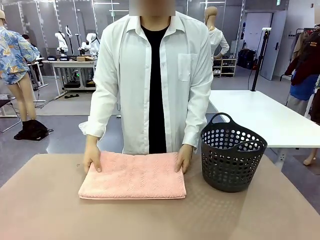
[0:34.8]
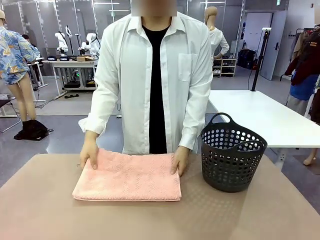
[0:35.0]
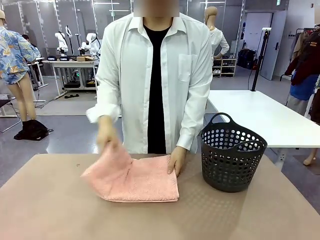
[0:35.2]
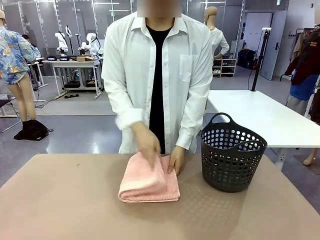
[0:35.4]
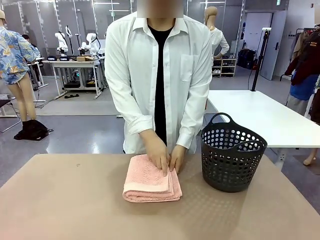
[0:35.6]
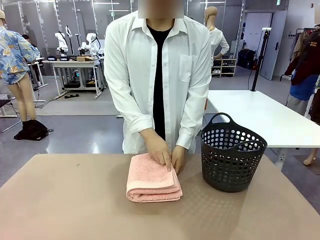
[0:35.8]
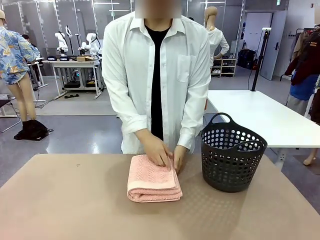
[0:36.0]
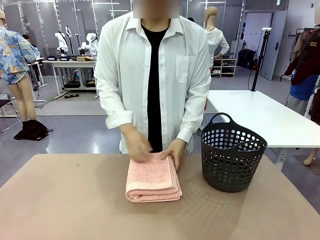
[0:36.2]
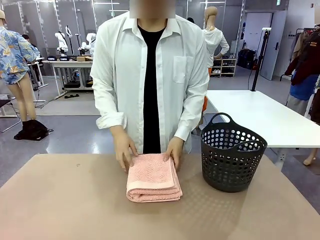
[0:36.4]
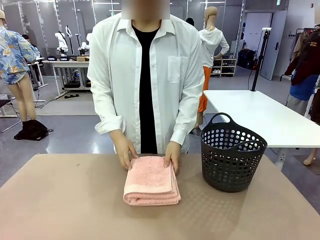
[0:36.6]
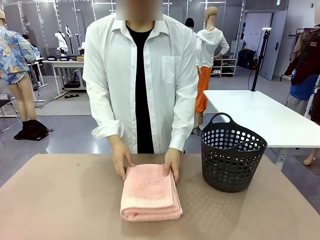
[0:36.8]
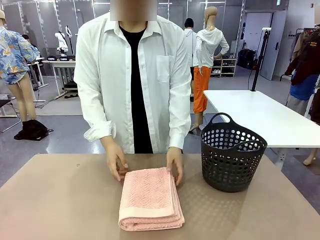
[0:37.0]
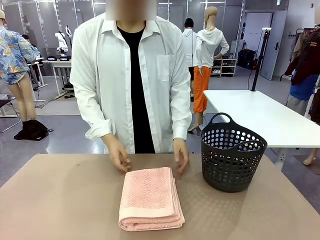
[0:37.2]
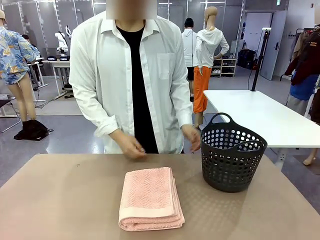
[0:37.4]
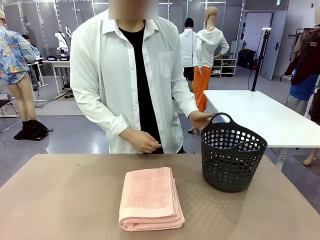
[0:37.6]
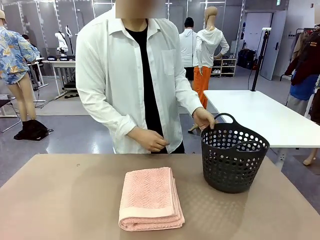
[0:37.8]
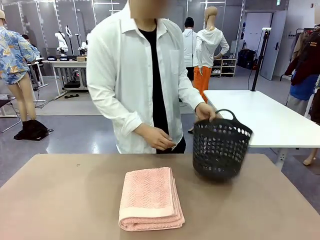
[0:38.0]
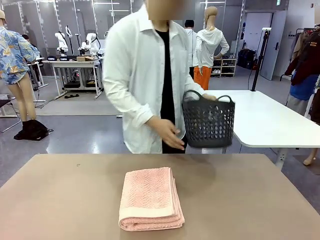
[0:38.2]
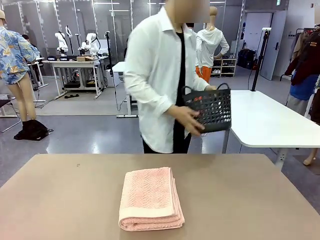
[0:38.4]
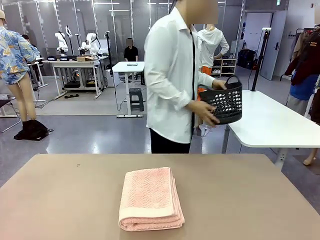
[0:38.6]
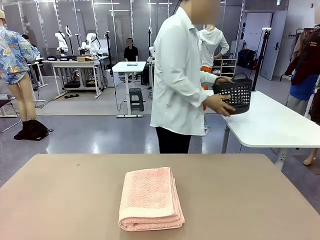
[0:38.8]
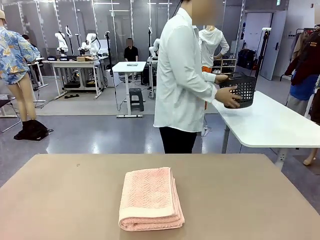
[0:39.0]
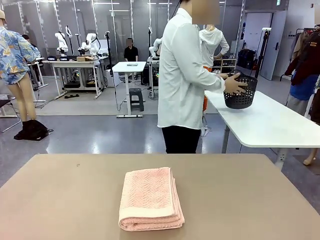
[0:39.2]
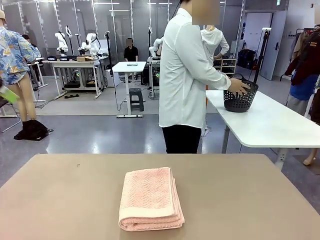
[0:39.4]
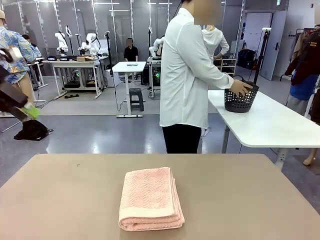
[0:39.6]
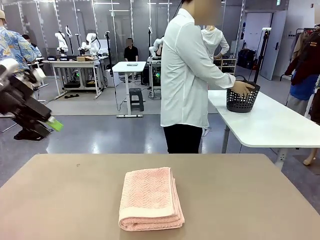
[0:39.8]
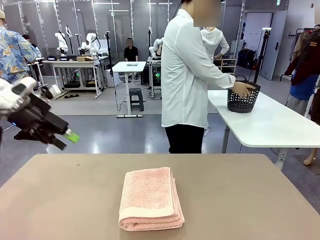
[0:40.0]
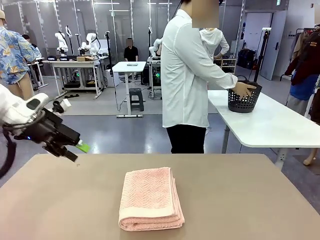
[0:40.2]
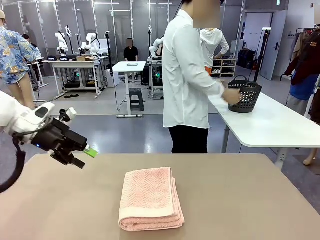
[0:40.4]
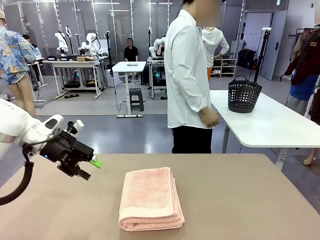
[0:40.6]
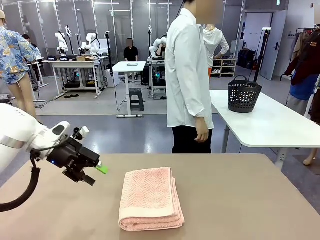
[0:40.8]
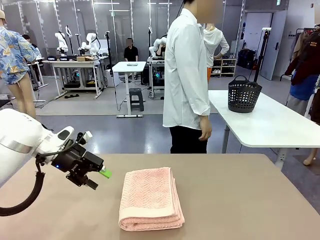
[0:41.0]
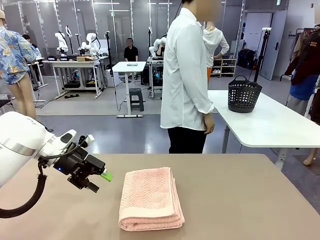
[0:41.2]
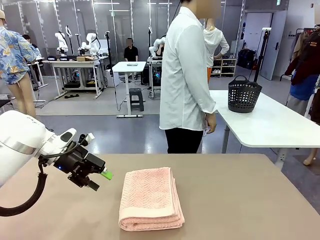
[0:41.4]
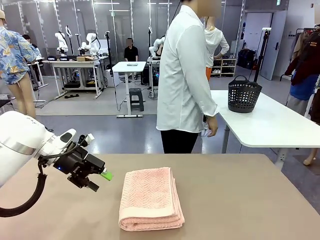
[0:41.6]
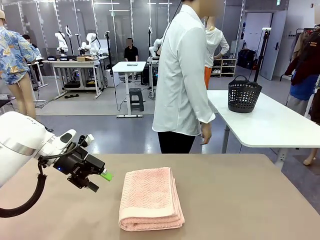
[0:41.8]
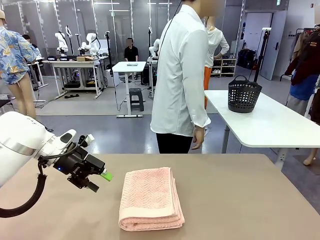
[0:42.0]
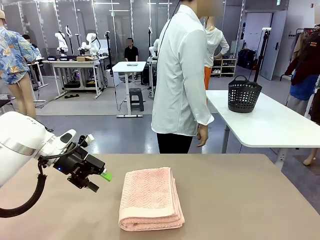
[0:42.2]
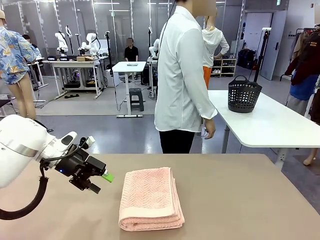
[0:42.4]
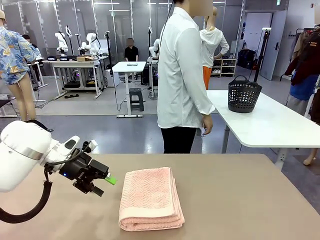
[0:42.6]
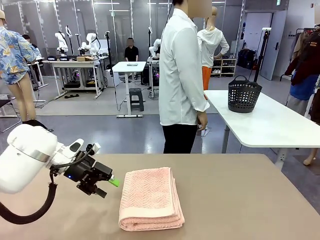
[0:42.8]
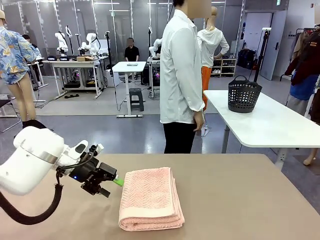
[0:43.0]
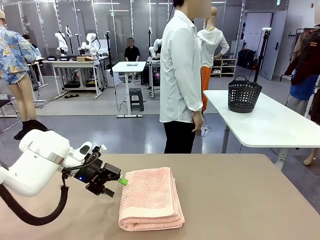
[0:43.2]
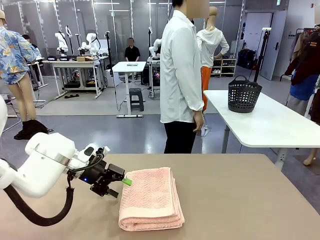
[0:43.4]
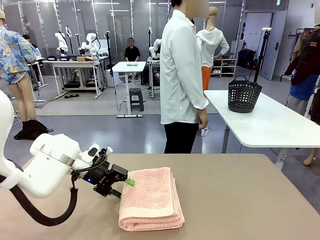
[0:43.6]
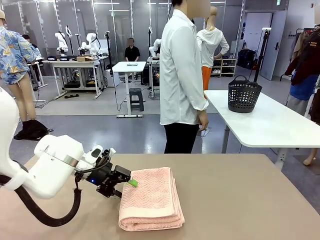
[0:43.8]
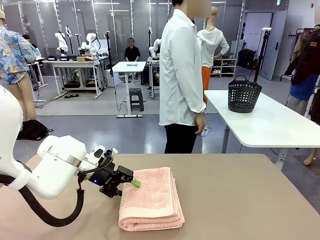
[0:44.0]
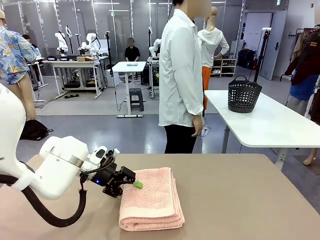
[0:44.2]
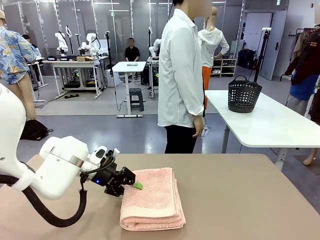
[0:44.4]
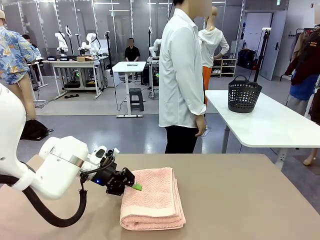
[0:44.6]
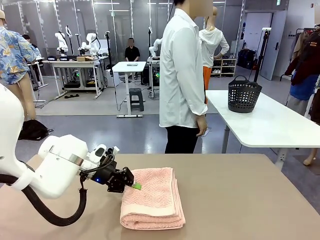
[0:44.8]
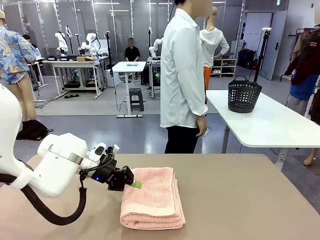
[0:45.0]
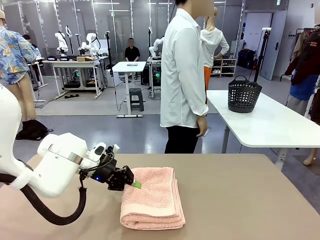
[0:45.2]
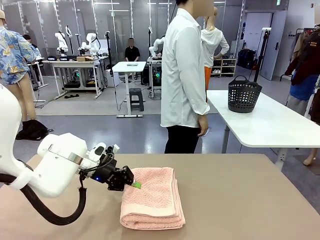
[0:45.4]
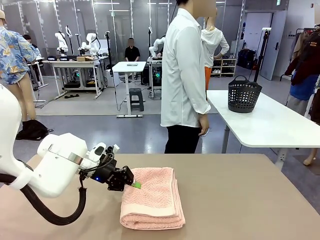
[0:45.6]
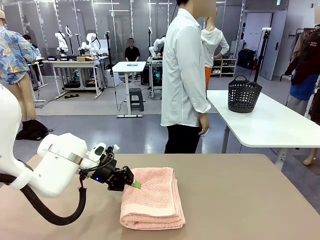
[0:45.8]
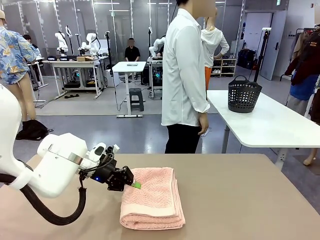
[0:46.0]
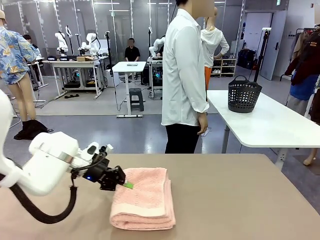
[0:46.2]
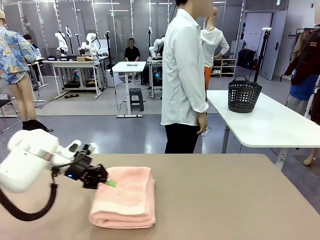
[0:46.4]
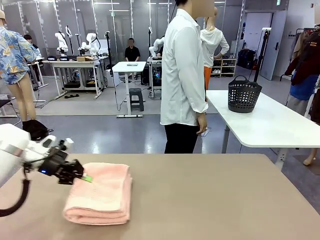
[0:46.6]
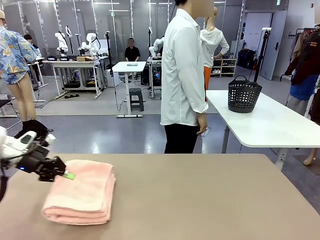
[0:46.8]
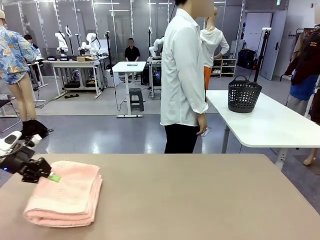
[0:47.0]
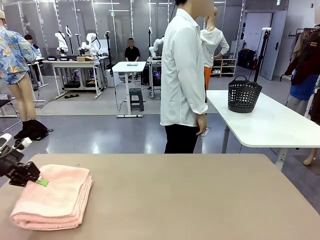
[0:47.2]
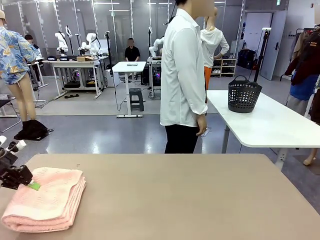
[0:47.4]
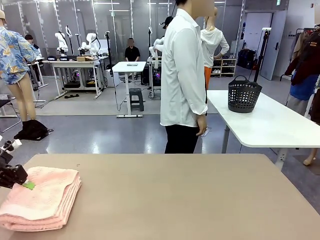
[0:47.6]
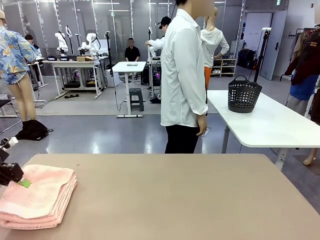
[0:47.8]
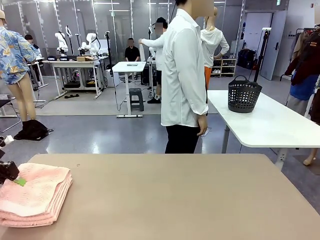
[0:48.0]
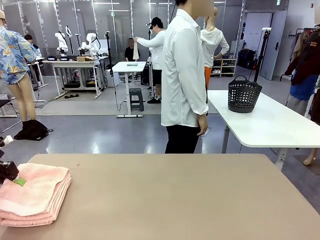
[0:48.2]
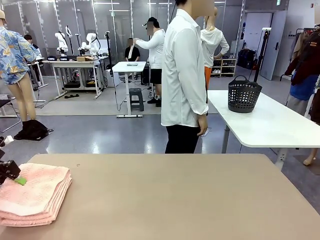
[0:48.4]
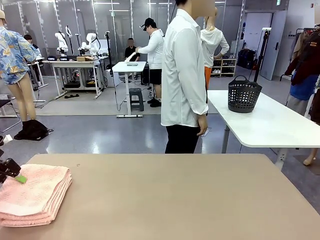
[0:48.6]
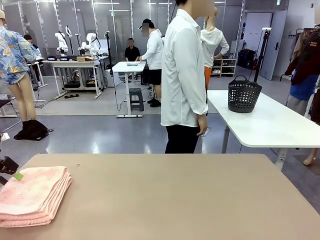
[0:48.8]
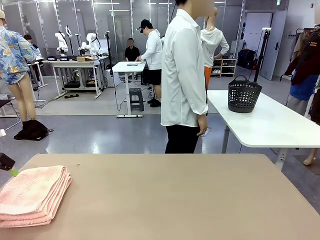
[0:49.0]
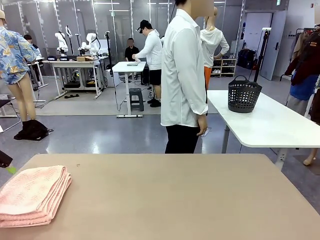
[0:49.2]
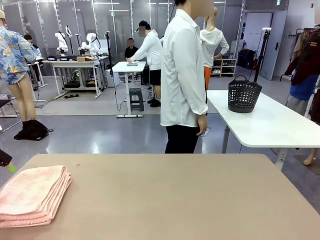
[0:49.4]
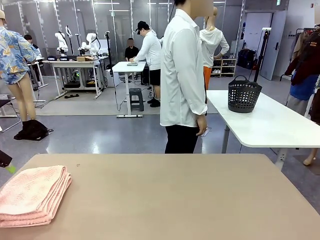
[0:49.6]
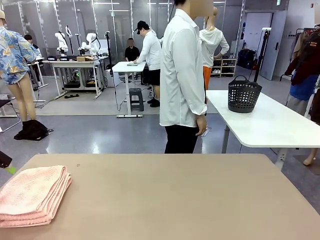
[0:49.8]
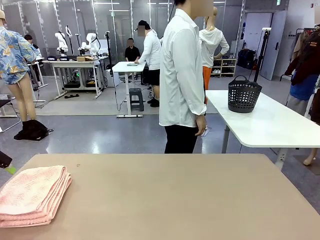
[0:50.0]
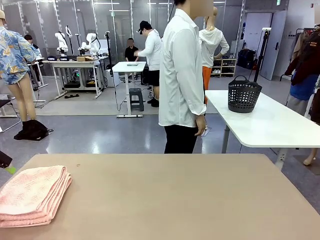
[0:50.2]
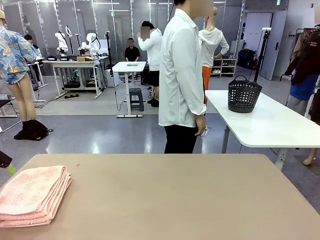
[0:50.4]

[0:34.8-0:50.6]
Task: Fold the towel.
Robot: Pick up the 100 cm Hotel Towel and place it on the left side of the table.
Person: Pick up the laundry basket and place it at the center of the human table.
